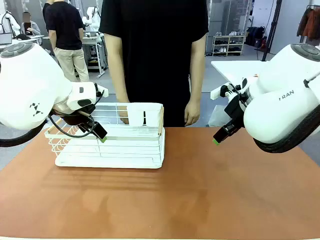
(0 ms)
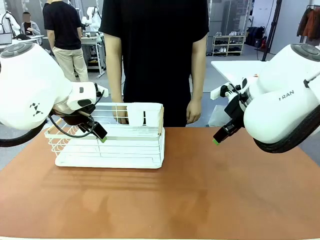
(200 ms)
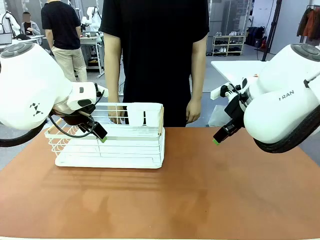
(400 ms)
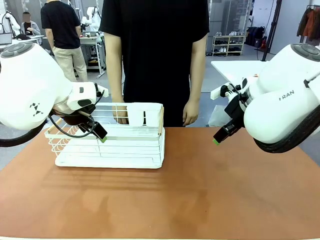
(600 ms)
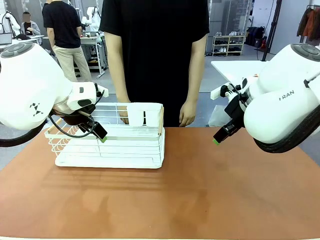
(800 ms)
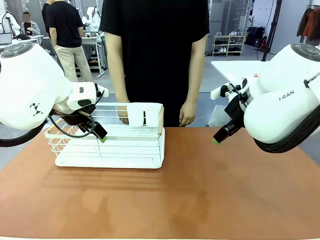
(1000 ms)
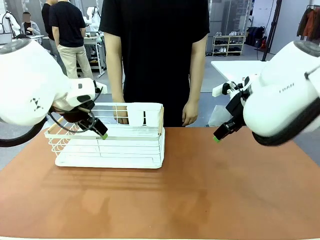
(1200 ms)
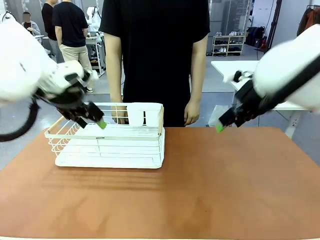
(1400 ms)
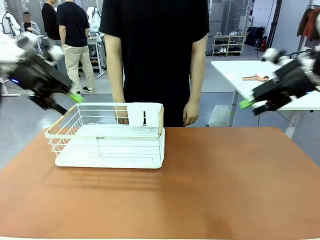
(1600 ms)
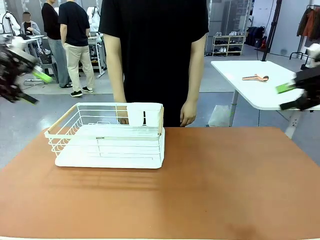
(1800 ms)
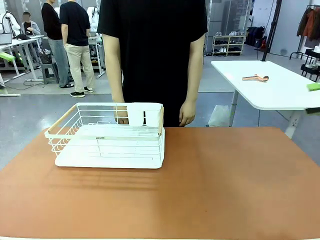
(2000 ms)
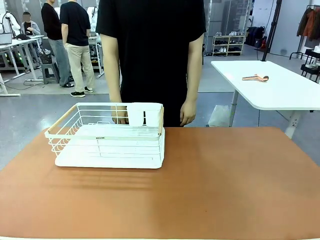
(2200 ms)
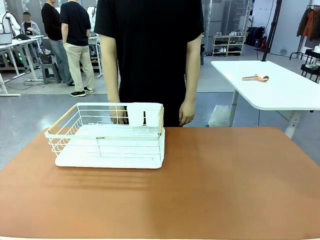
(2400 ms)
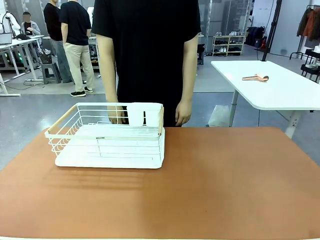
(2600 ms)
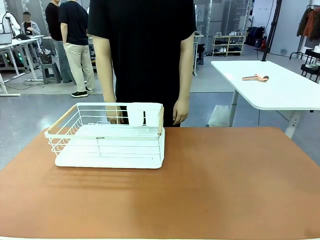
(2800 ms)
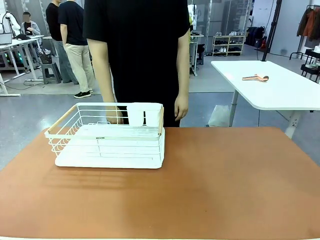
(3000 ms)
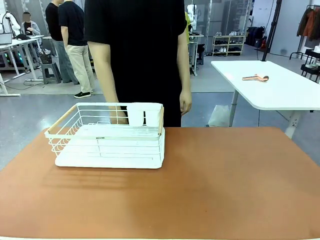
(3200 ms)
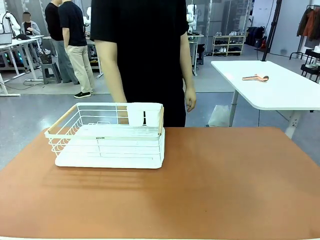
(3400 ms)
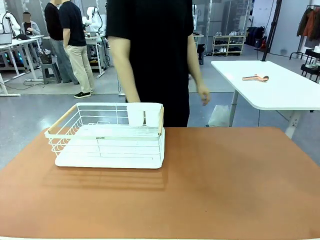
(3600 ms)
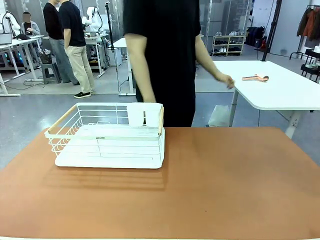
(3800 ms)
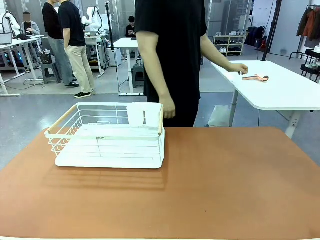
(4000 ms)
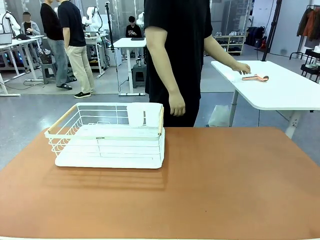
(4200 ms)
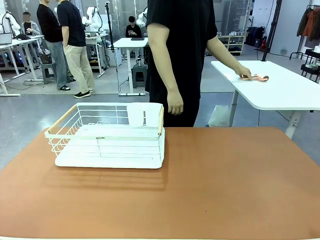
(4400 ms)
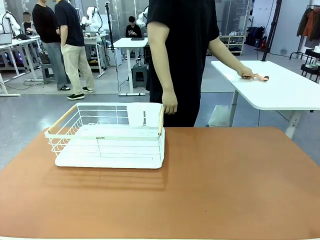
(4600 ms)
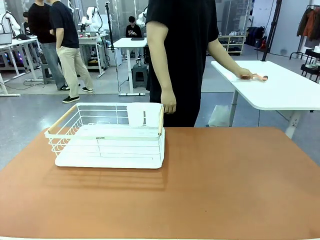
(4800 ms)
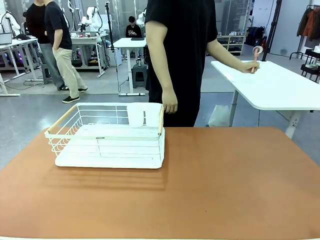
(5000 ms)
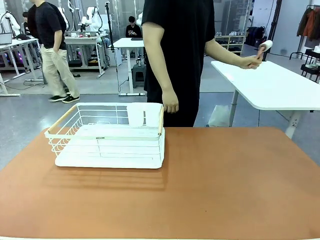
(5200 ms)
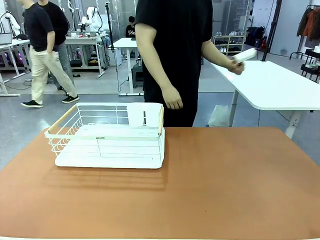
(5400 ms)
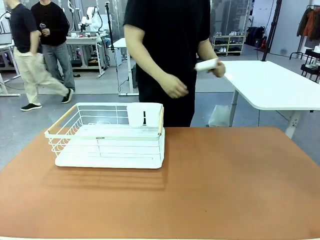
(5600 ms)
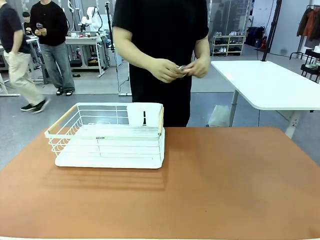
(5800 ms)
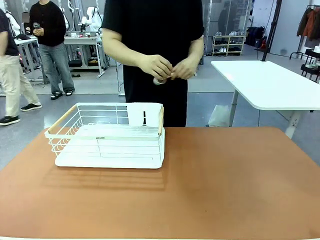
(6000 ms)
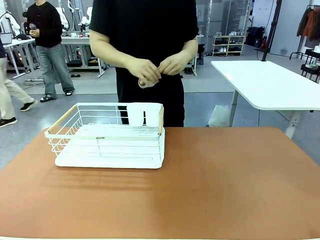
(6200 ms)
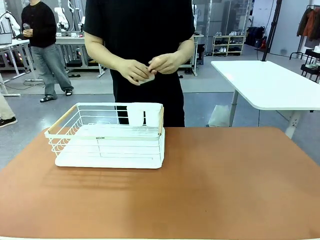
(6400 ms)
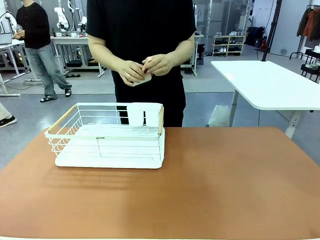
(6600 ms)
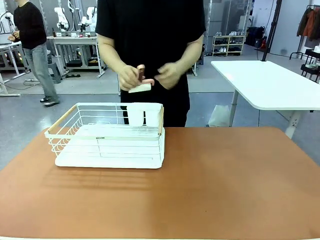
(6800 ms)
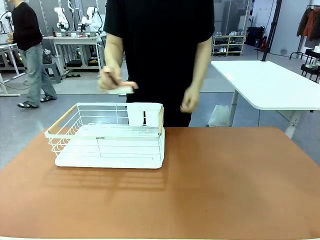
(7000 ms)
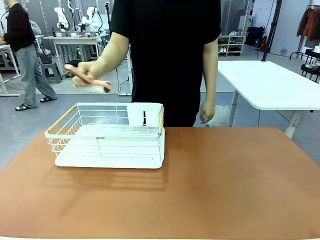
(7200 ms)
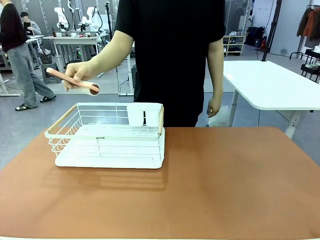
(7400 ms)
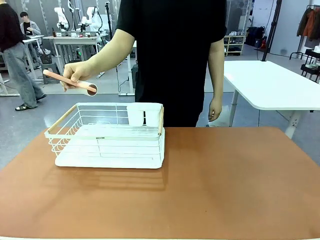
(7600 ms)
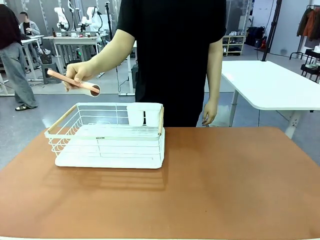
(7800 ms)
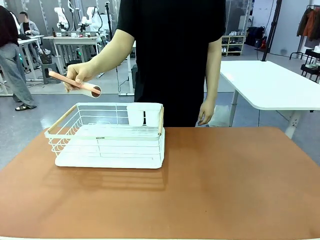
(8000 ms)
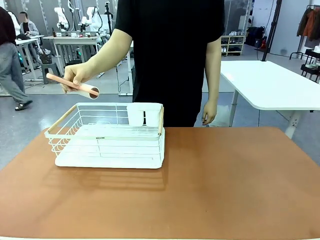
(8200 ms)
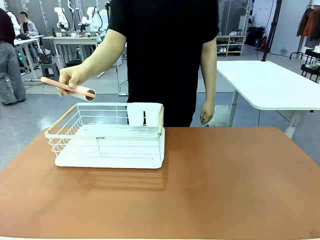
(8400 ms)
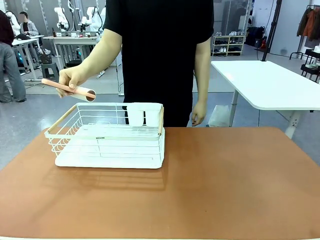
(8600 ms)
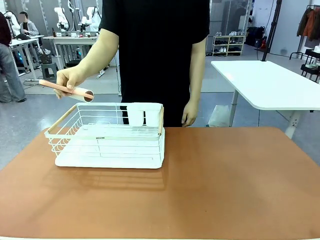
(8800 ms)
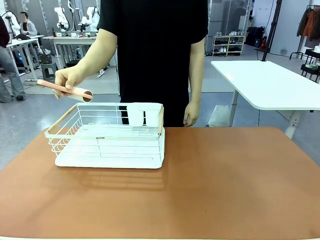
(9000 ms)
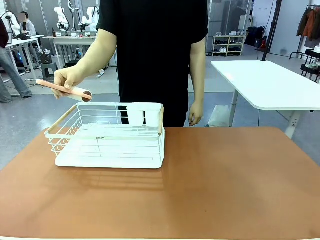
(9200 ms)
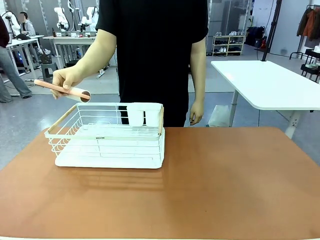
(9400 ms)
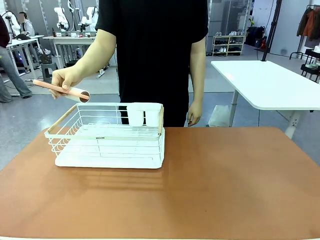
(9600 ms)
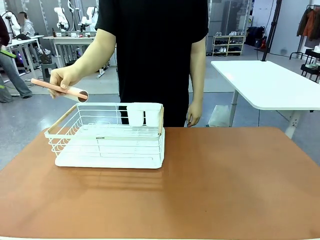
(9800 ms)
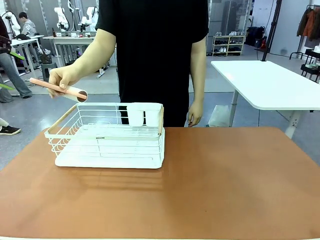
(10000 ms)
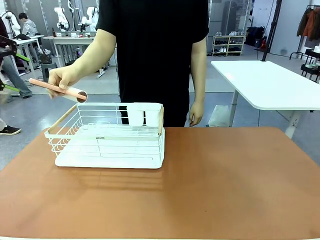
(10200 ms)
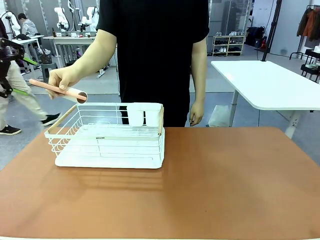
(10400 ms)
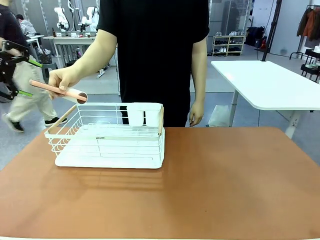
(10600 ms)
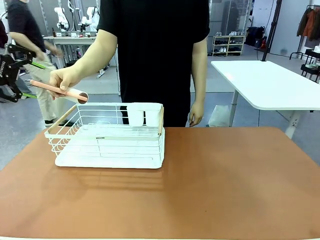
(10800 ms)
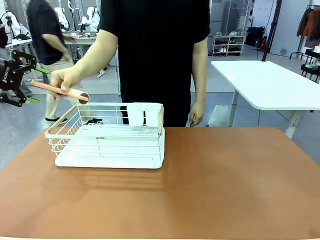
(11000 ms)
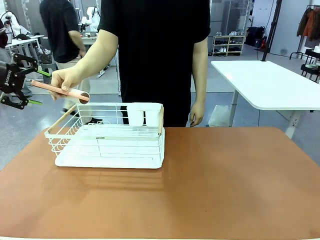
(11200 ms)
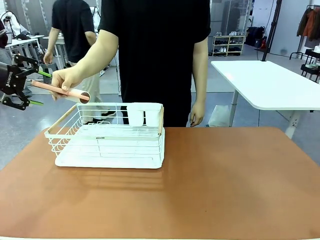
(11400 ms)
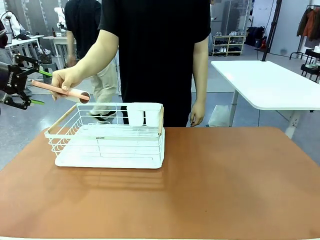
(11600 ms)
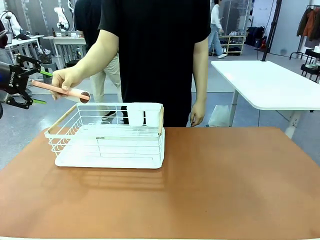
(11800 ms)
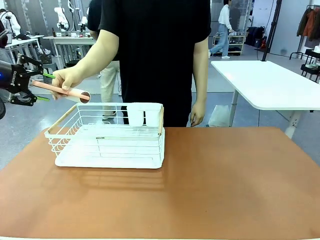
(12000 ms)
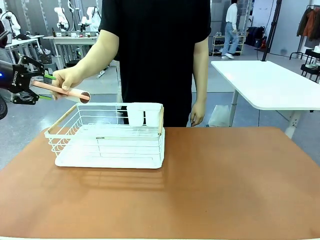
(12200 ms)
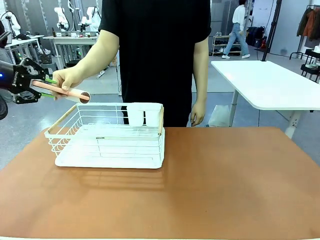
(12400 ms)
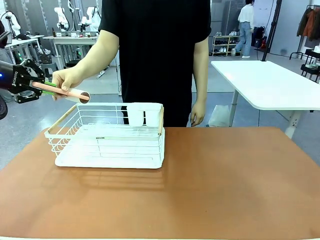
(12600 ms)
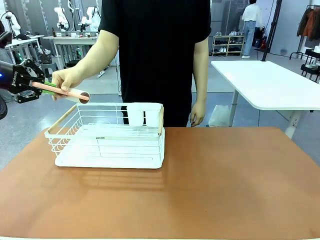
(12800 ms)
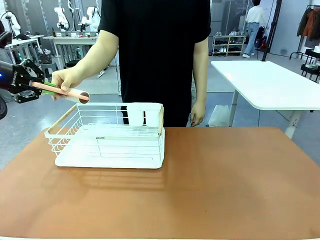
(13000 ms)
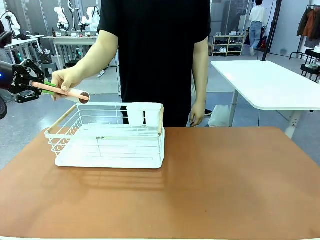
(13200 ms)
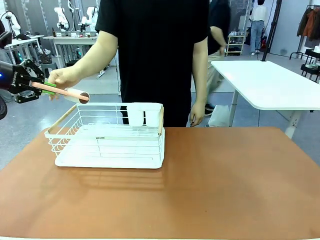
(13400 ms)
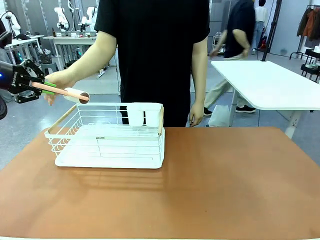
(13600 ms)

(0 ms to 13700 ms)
Task: Clean the table.
Robot: Pick up the Lint Roller when the human hands it over.
Person: Hand the Lint Roller to the robot so it can easily pick it up. Lift the Dish drying rack.

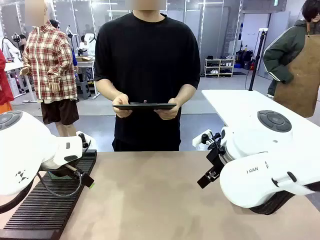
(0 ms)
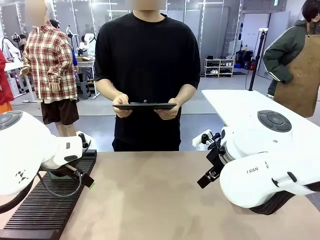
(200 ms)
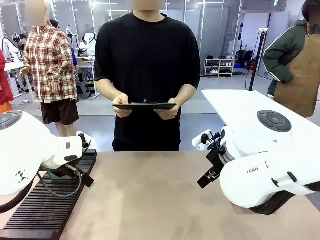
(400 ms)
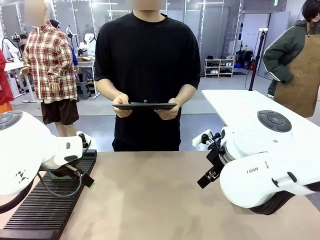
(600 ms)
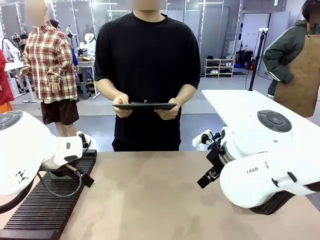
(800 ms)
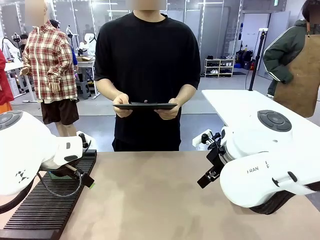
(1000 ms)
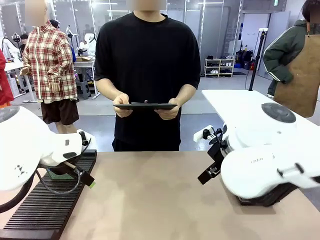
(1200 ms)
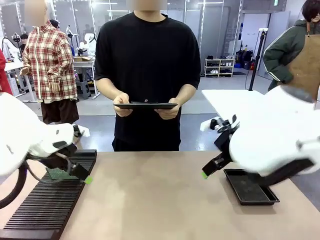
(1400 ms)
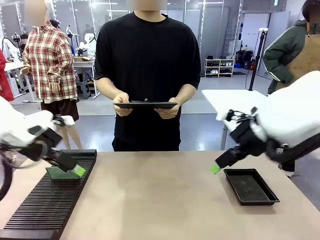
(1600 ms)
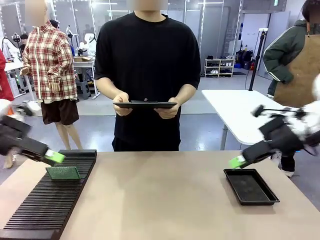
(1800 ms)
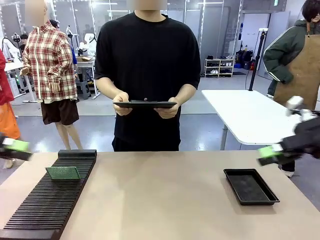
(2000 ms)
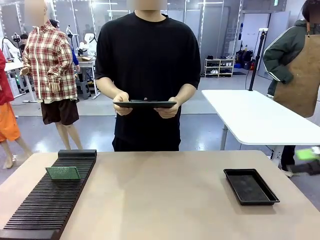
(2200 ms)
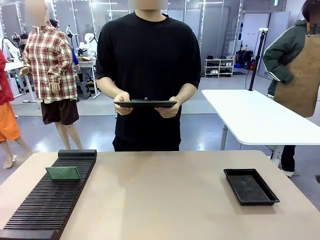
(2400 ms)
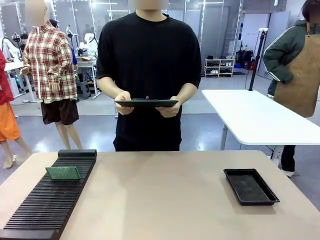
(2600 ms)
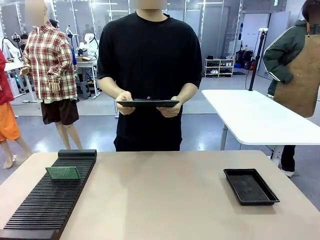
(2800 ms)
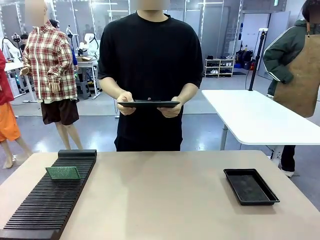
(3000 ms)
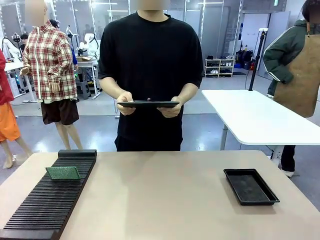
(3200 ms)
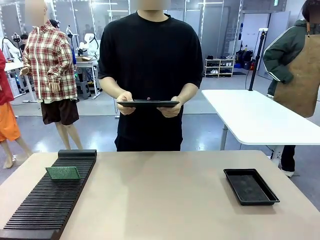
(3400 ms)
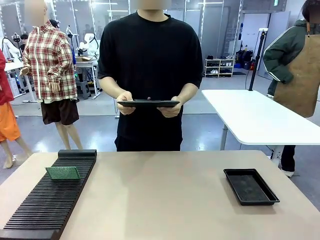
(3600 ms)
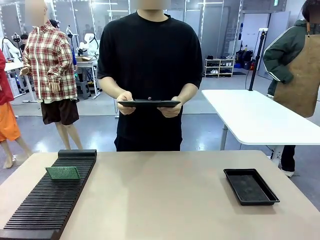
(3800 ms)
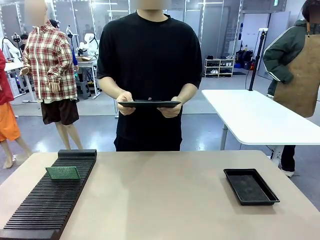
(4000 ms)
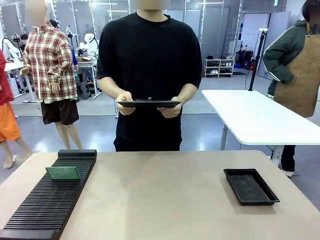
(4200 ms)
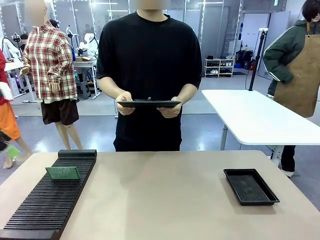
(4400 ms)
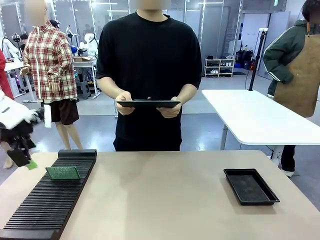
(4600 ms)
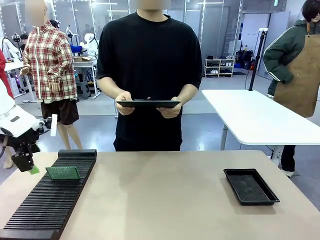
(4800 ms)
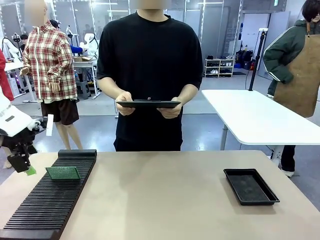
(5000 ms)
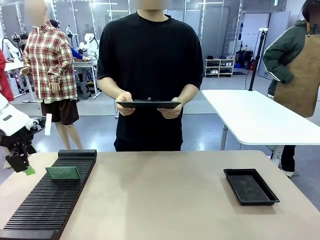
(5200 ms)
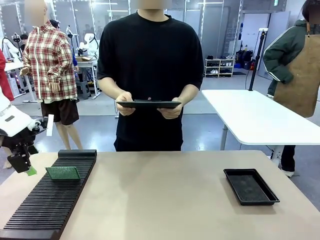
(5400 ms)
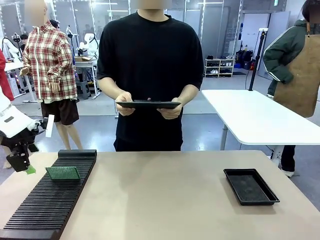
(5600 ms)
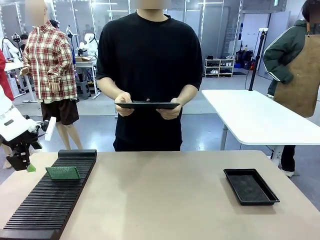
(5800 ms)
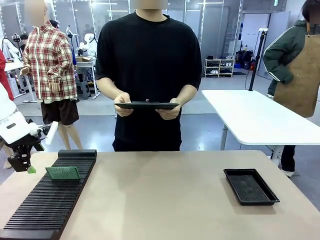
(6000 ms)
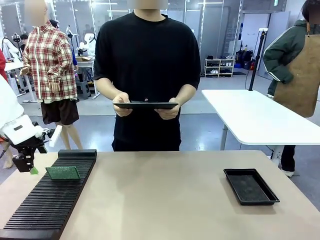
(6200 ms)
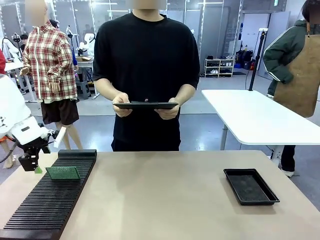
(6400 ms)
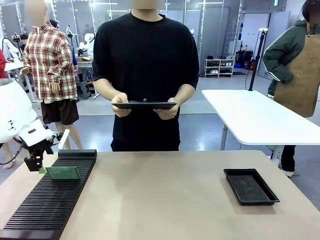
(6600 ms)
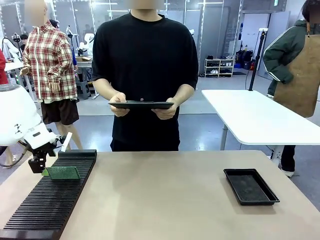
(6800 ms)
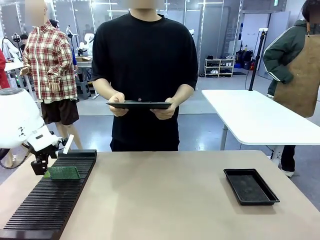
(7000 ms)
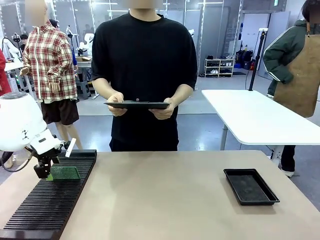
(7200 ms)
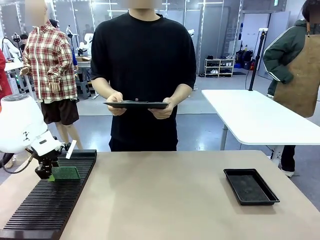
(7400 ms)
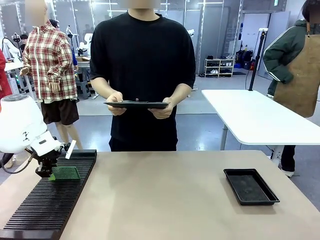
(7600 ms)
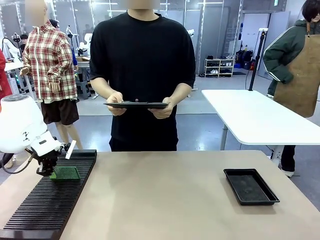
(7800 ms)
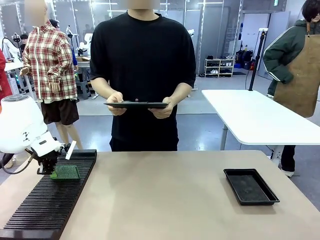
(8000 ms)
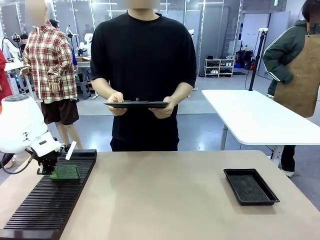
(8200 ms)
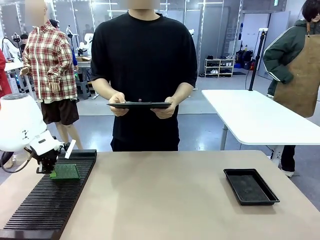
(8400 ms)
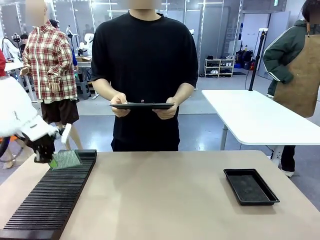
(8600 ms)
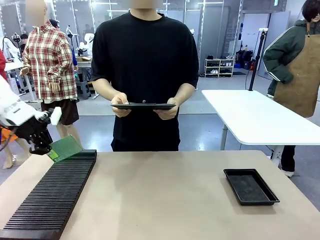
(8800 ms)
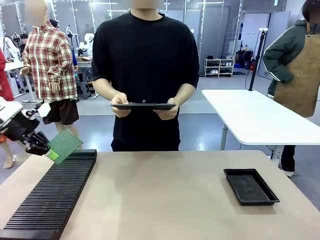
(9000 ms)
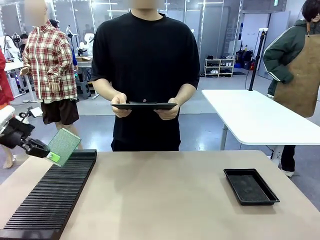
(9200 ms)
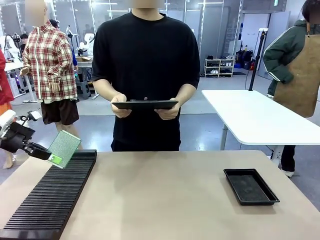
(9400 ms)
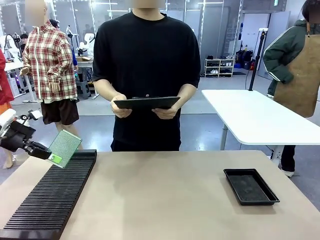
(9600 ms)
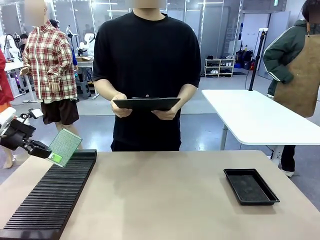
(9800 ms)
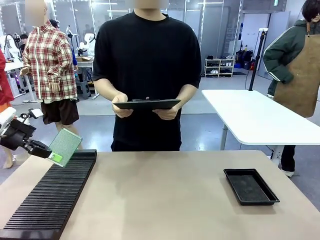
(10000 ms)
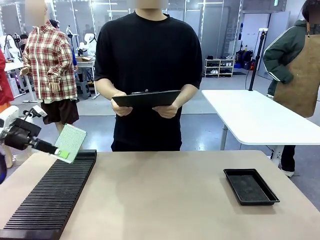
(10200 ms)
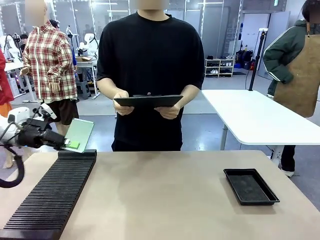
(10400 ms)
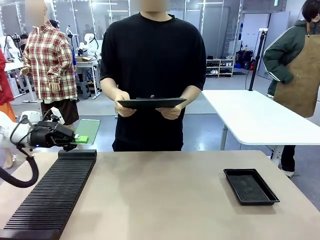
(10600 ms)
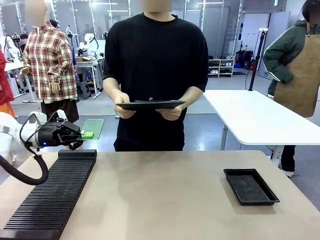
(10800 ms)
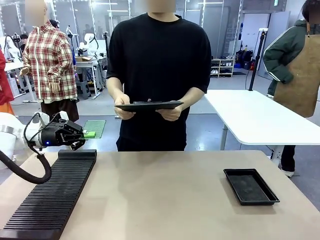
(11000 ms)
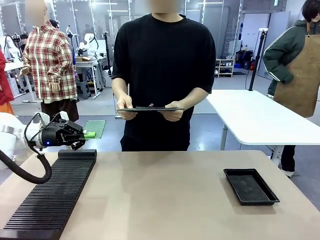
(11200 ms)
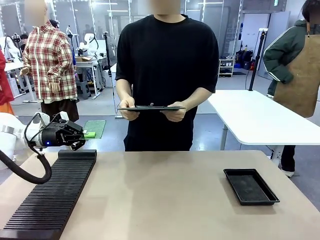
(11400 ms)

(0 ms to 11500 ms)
Task: Inspect the PCB.
Robot: Pick up the Blank PCB and present it to the human.
Person: Pick up the PCB presented by the robot.
